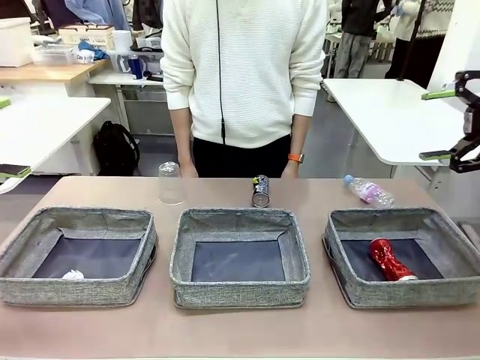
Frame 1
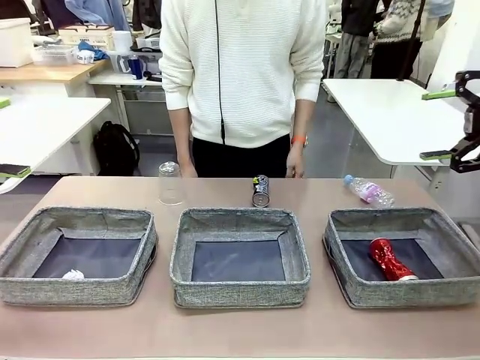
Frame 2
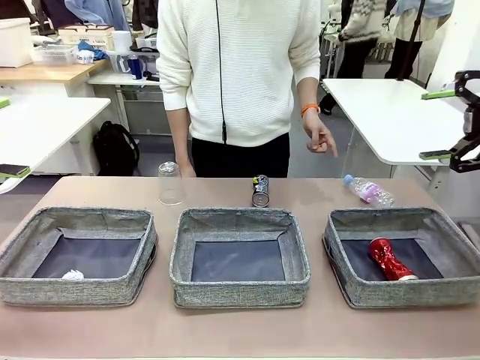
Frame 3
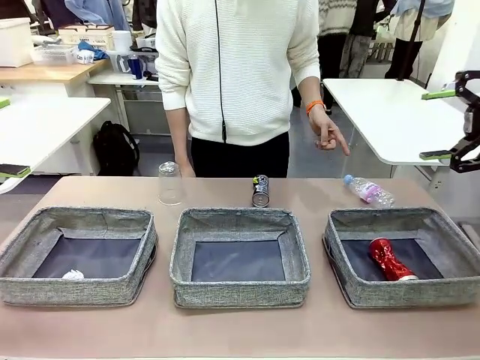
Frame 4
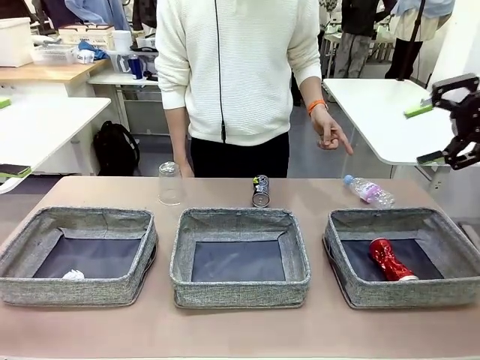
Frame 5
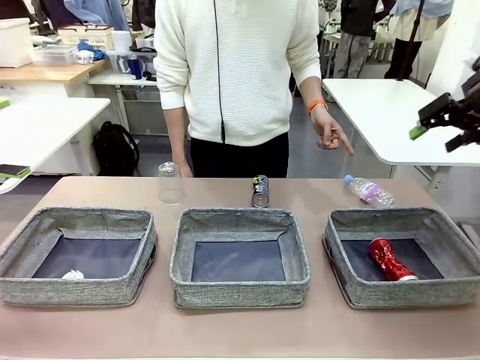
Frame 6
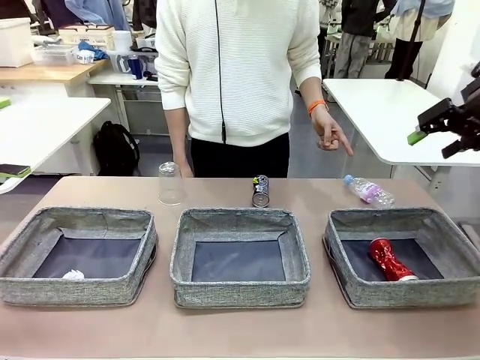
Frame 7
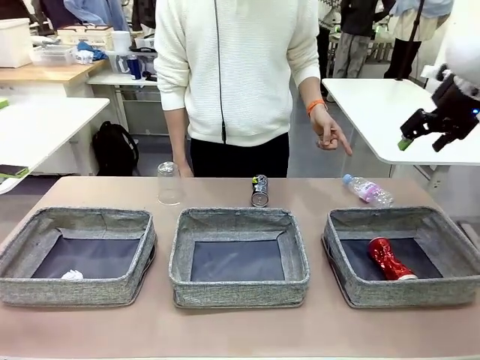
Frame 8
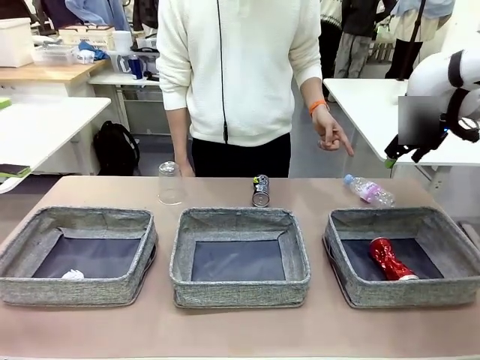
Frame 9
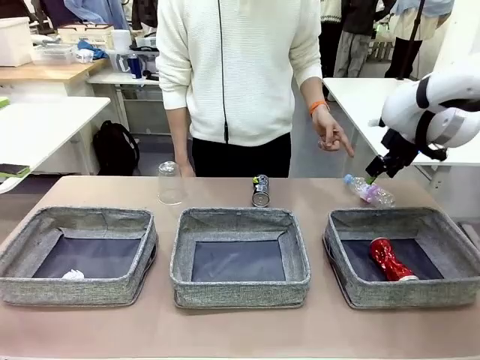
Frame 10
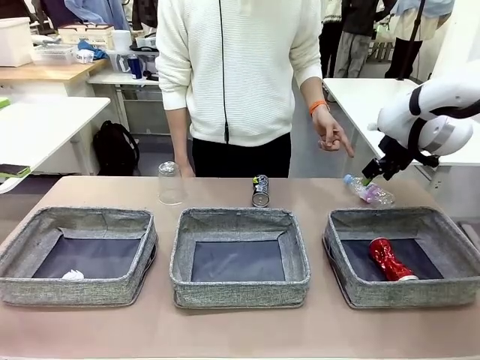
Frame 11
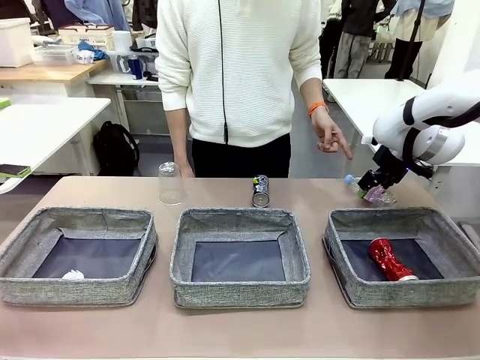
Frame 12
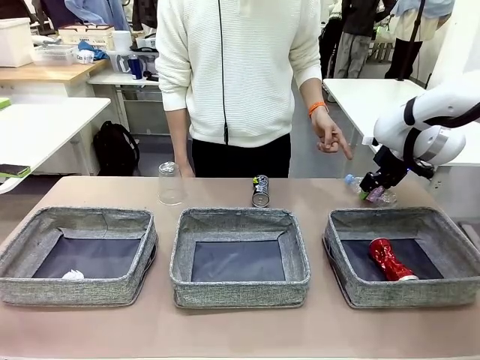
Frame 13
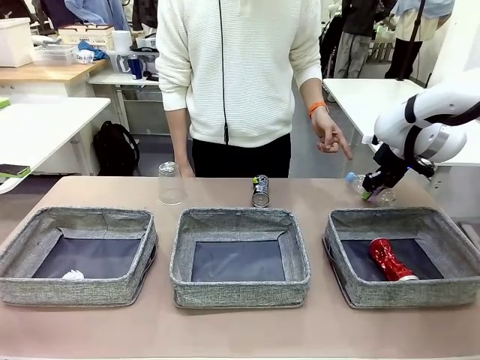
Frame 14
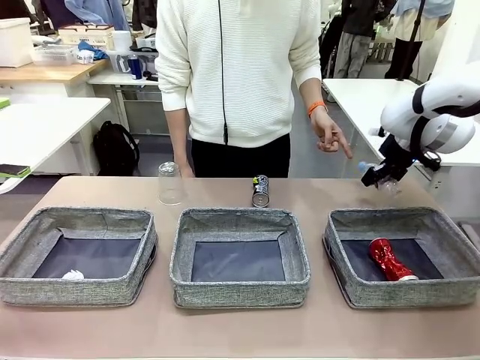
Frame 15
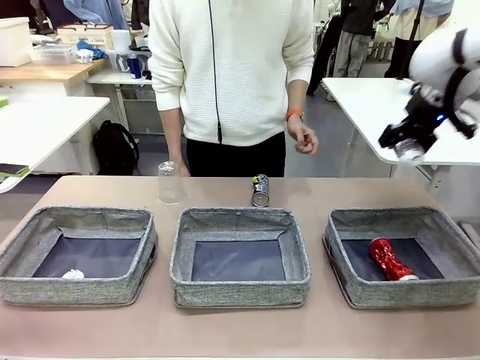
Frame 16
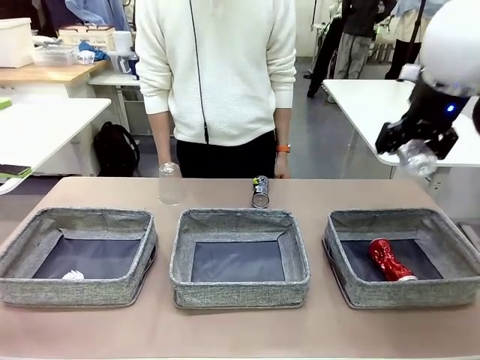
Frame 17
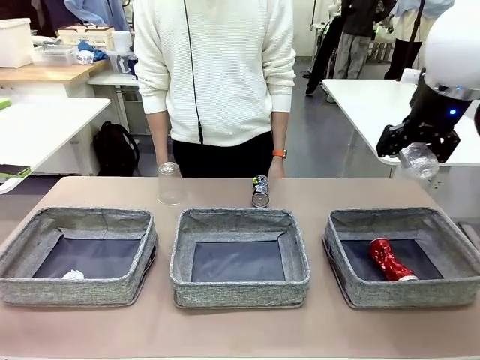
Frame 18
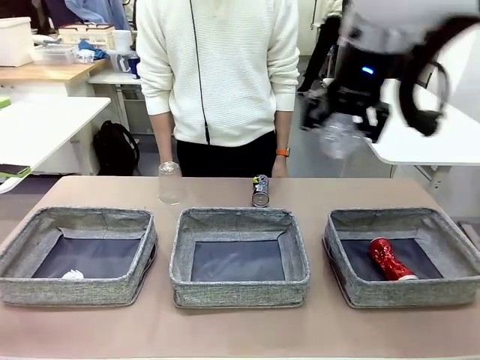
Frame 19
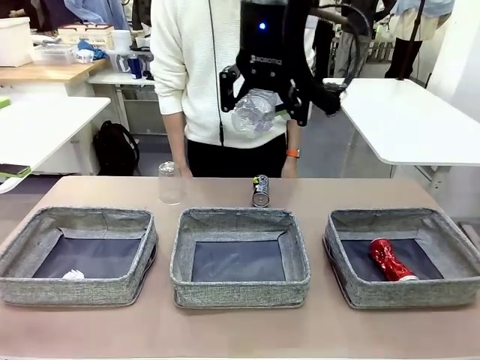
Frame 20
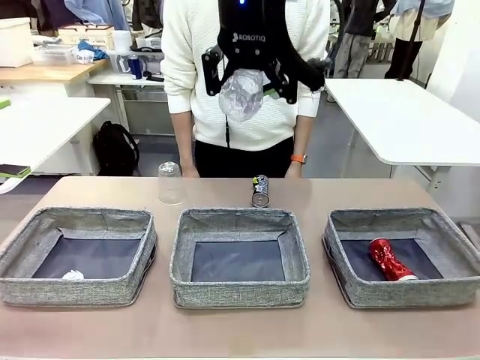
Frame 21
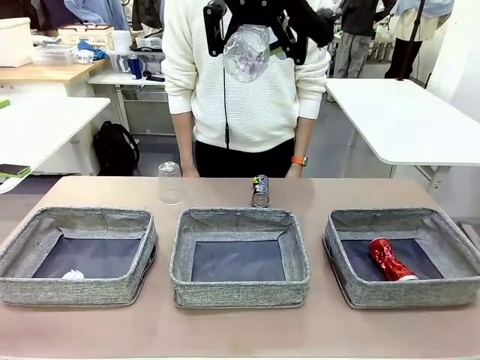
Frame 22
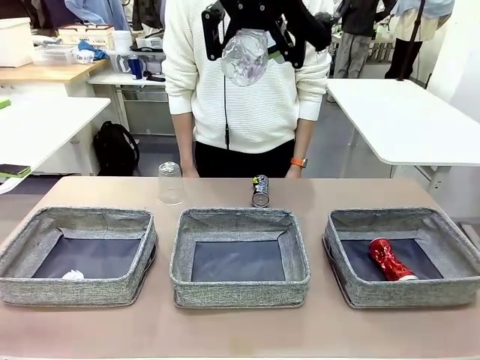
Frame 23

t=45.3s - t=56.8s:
Task: Sort the waste into the appropriate baskets.
Robot: Pick up the waste item pointed out by the person.
Person: Points to one piece of trash on the table.

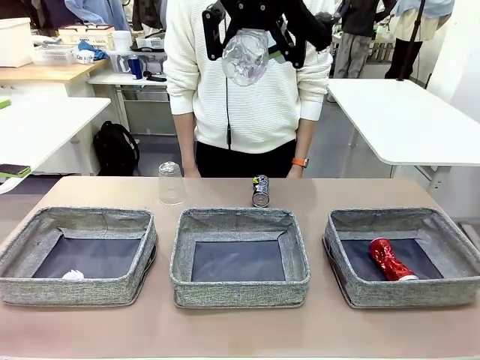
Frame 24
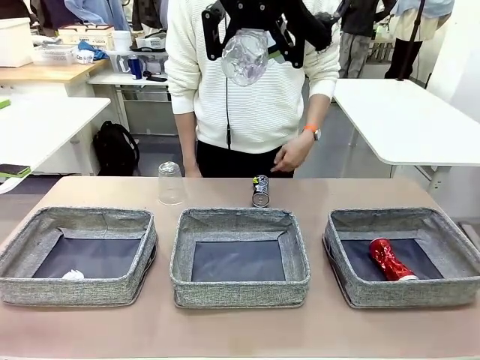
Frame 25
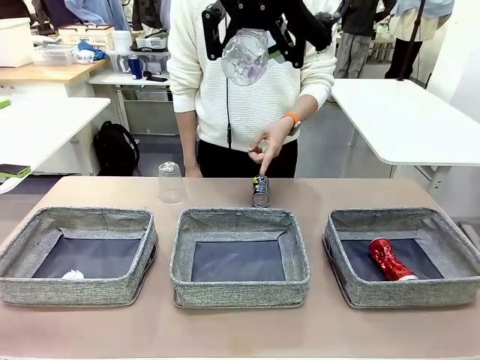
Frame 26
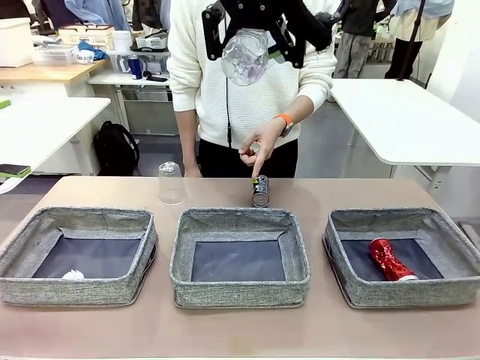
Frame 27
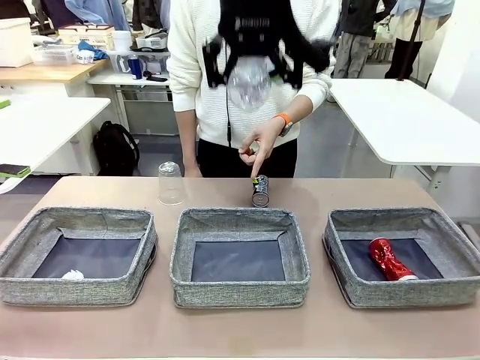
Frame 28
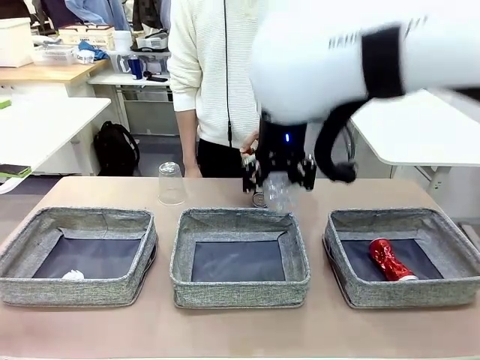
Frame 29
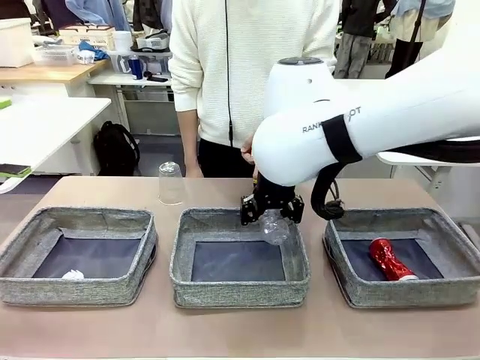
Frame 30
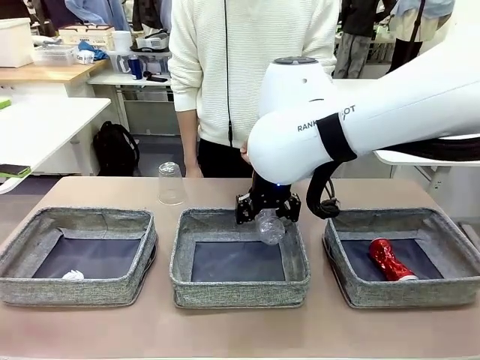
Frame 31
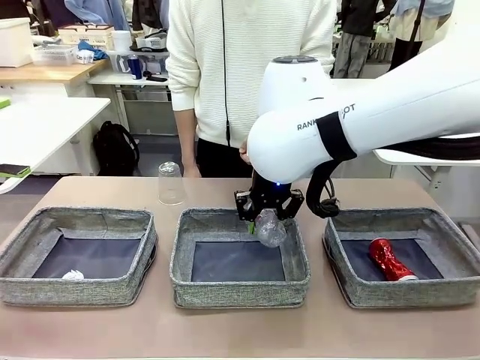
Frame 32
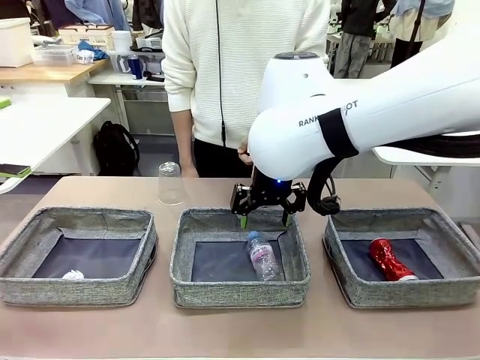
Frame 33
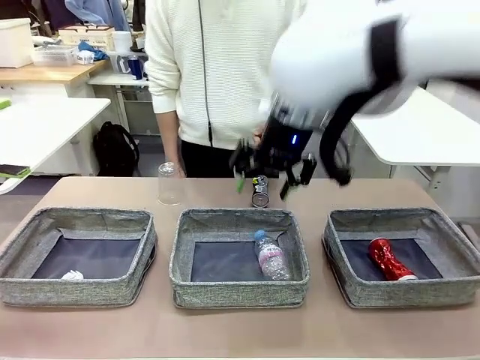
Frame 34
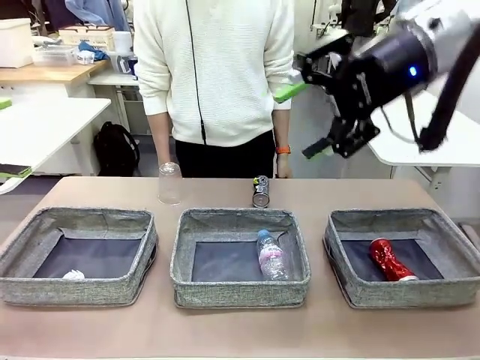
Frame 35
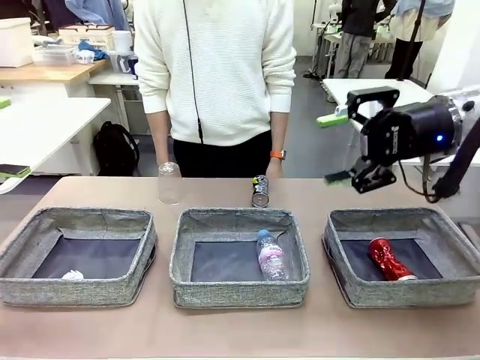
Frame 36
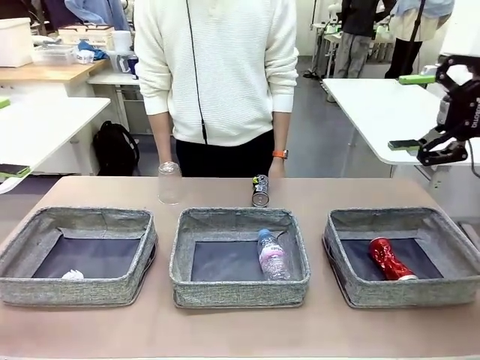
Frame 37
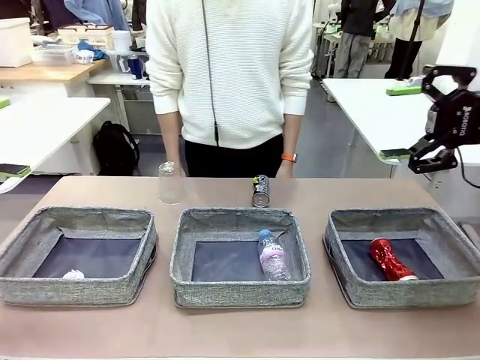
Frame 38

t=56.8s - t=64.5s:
Robot: Place the picked waste into the Fabric basket indicated by the person.
Person: Instructs the robot to place the picked-up trash into the appropriate organizing basket.

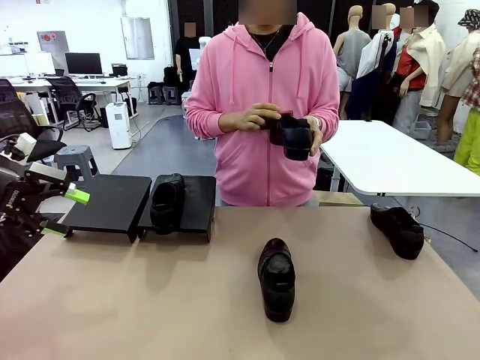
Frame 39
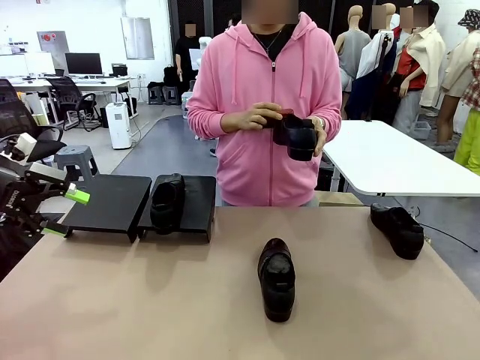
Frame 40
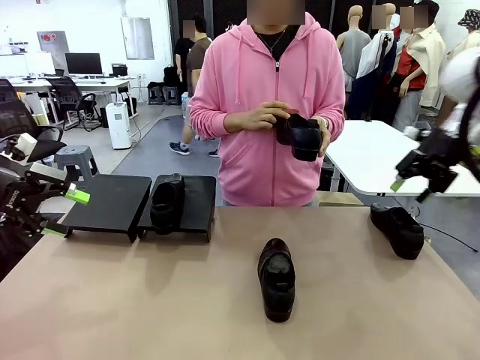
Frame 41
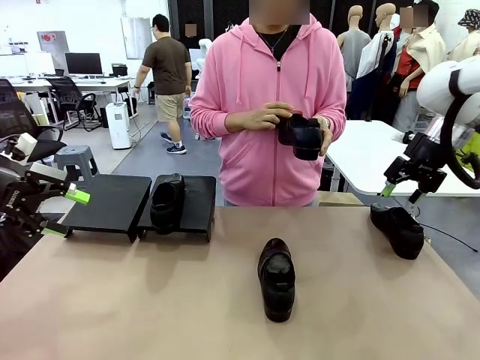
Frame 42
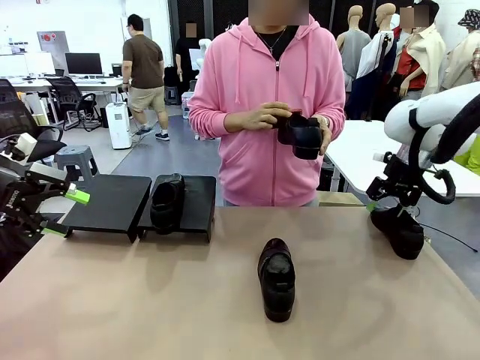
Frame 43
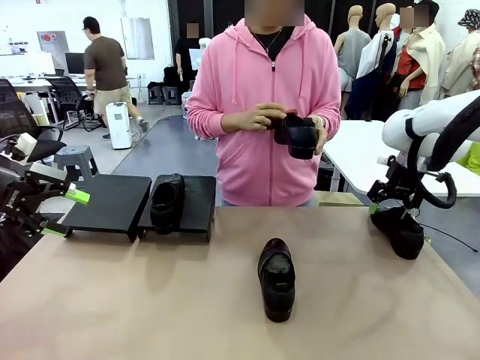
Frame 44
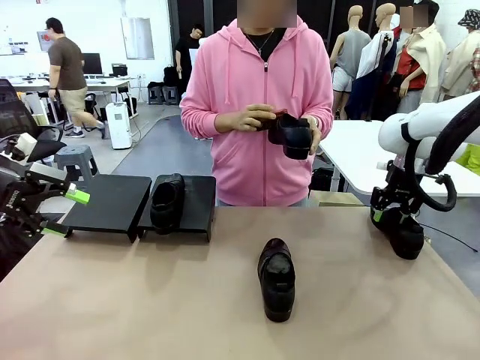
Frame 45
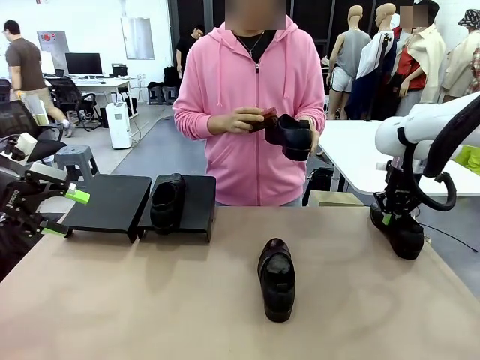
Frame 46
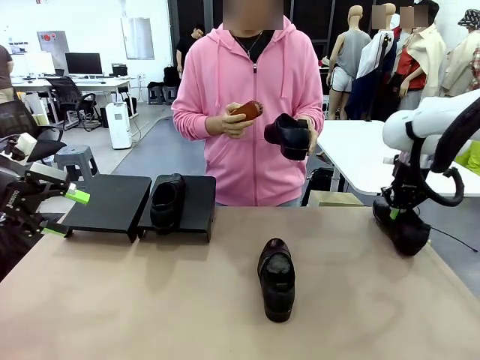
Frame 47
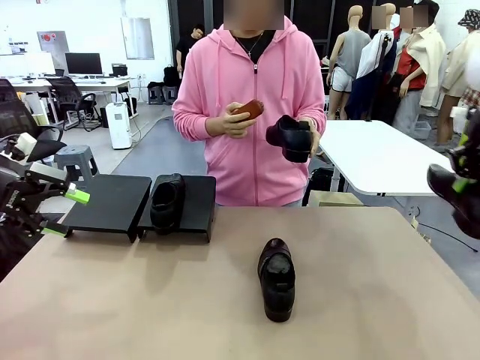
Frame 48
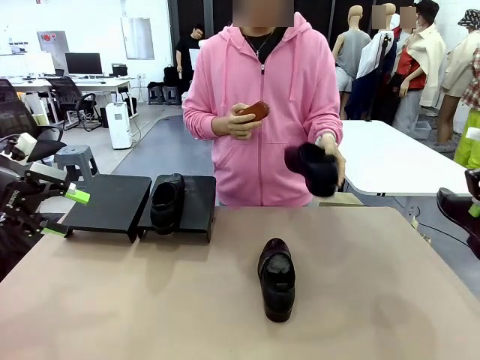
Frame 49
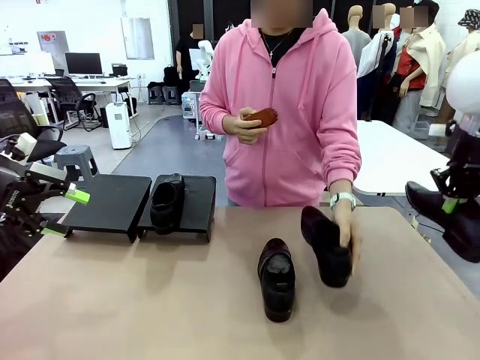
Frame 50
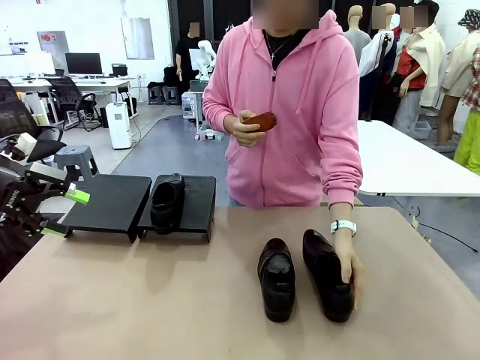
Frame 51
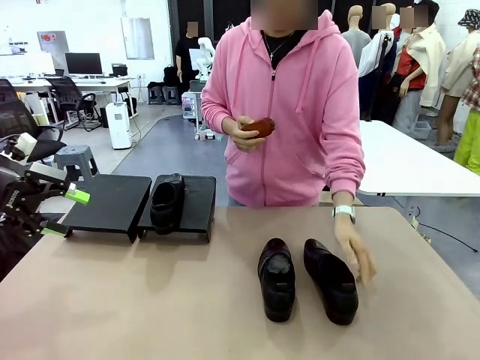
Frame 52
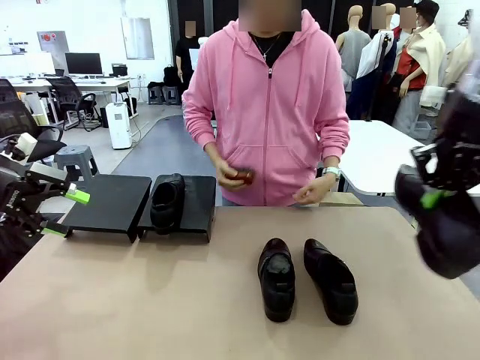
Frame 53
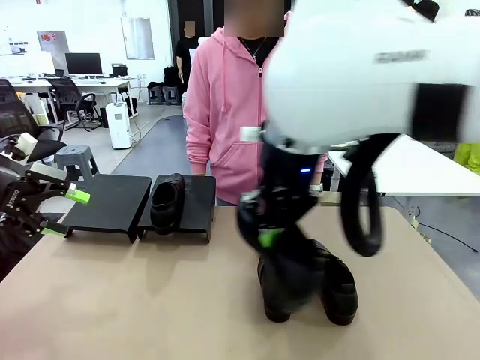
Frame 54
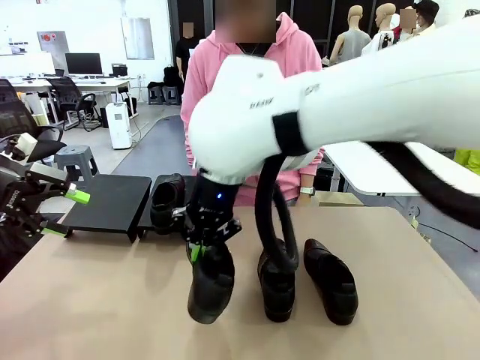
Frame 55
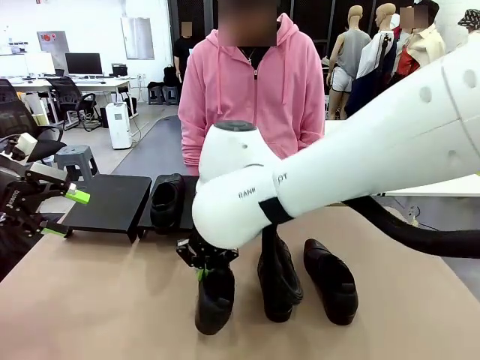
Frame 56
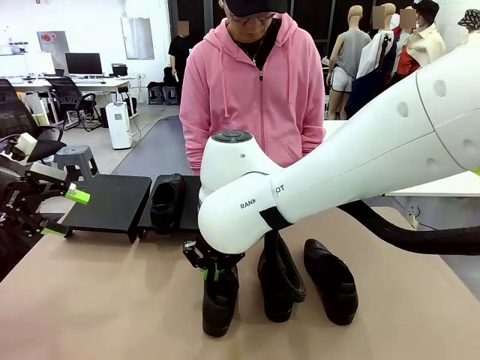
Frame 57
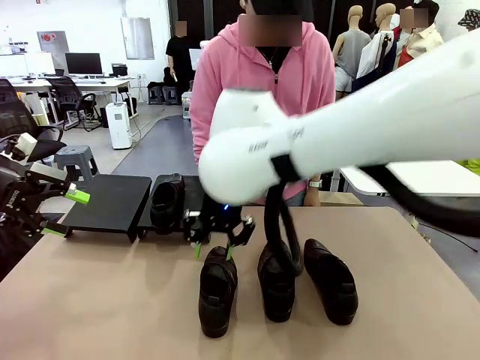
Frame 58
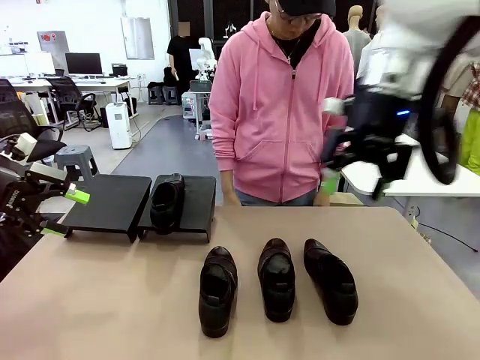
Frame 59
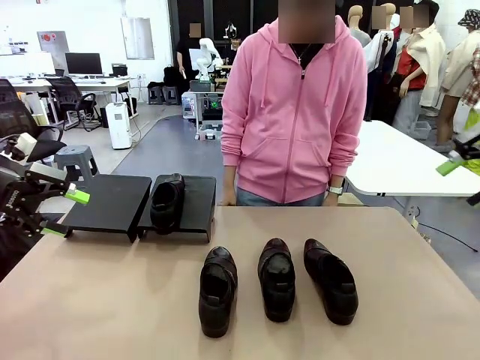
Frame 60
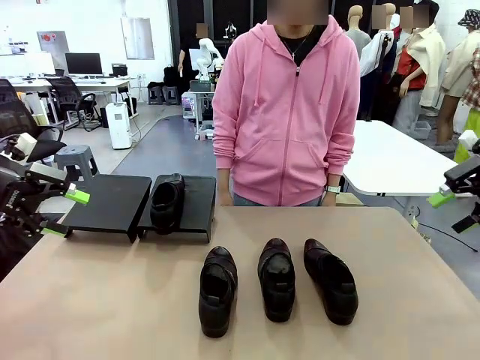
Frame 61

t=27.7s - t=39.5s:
Task: Organize the shoes by placing them on the stand.
Robot: Pick up one Shoe and place it in the middle of the table.
